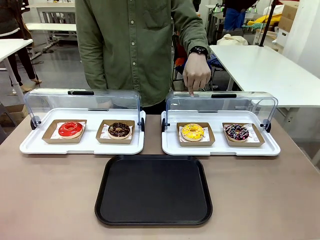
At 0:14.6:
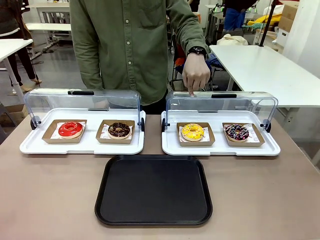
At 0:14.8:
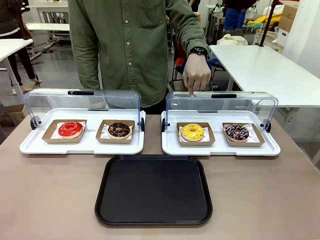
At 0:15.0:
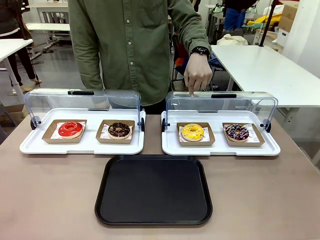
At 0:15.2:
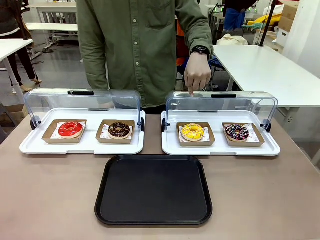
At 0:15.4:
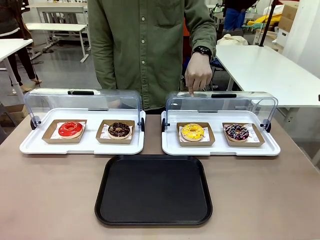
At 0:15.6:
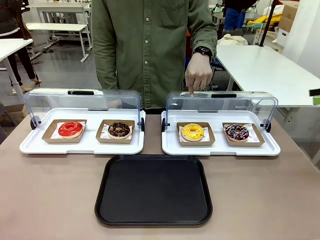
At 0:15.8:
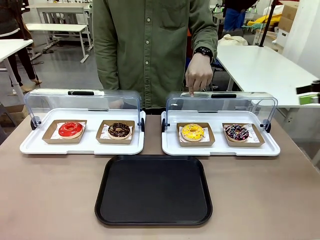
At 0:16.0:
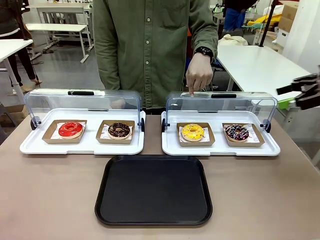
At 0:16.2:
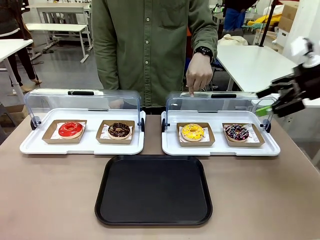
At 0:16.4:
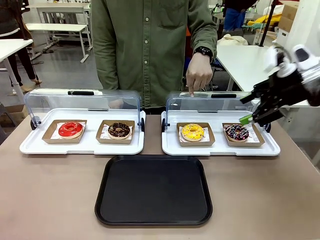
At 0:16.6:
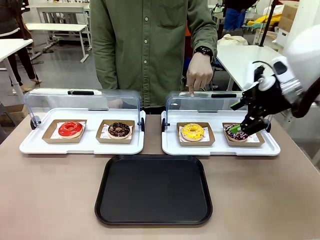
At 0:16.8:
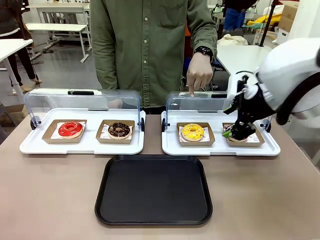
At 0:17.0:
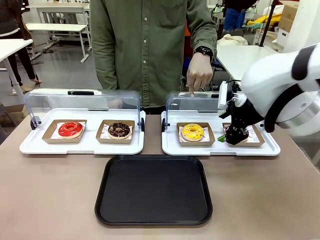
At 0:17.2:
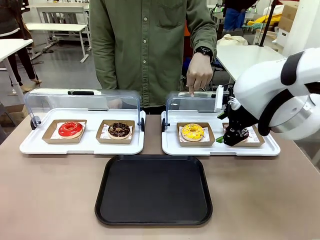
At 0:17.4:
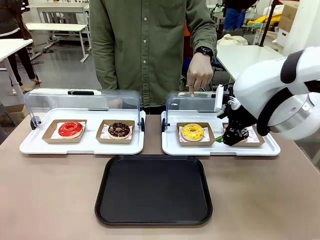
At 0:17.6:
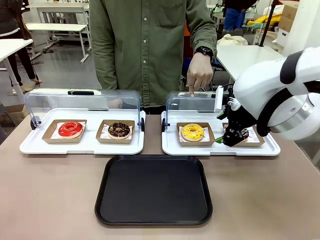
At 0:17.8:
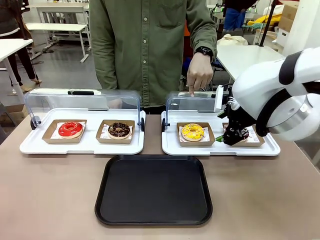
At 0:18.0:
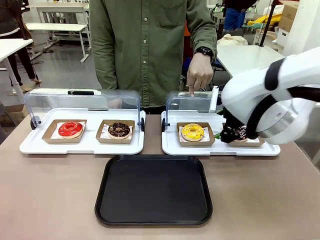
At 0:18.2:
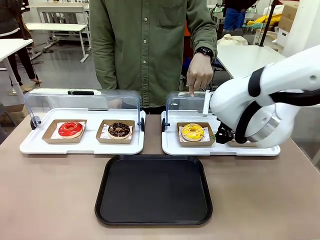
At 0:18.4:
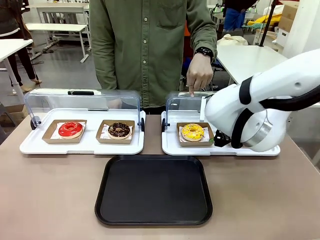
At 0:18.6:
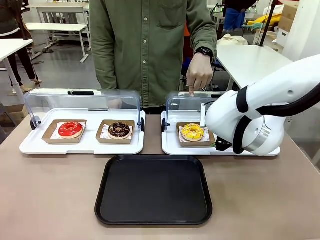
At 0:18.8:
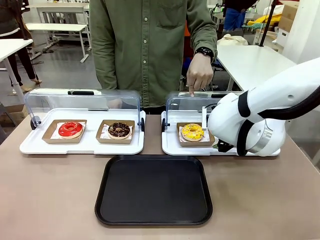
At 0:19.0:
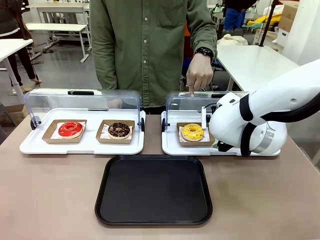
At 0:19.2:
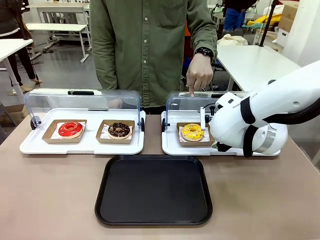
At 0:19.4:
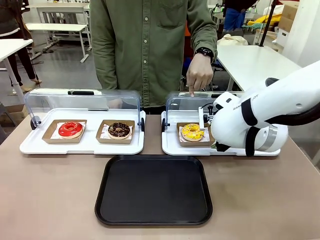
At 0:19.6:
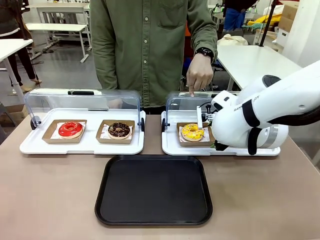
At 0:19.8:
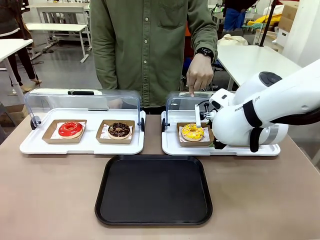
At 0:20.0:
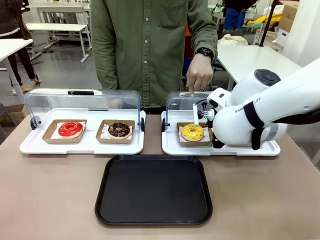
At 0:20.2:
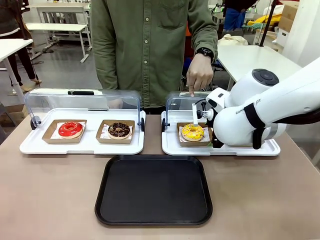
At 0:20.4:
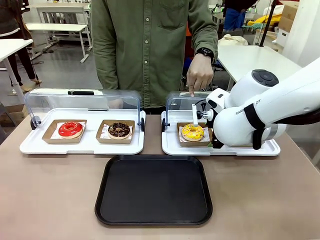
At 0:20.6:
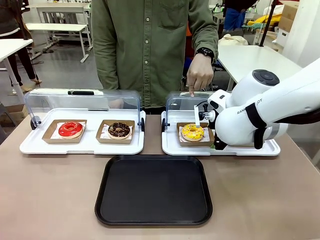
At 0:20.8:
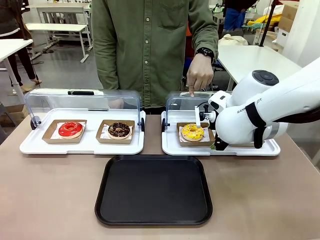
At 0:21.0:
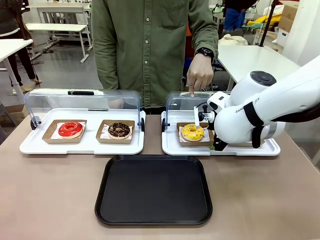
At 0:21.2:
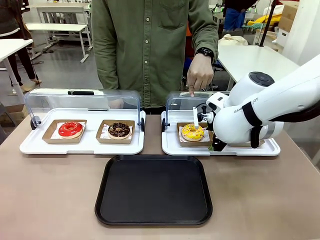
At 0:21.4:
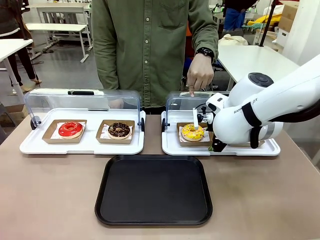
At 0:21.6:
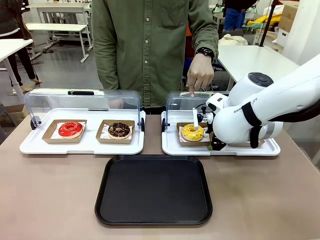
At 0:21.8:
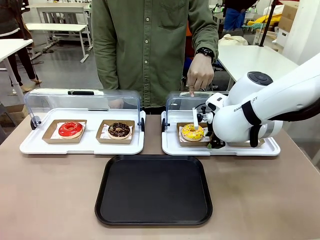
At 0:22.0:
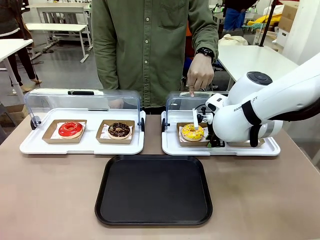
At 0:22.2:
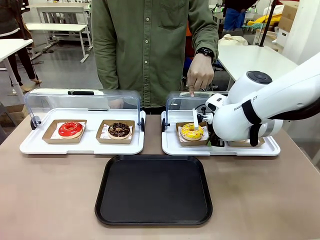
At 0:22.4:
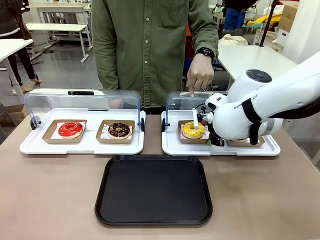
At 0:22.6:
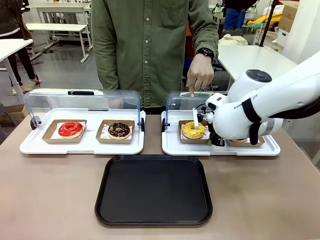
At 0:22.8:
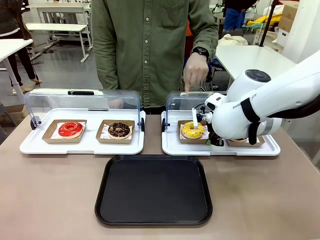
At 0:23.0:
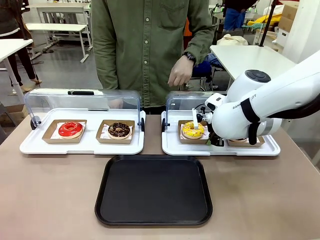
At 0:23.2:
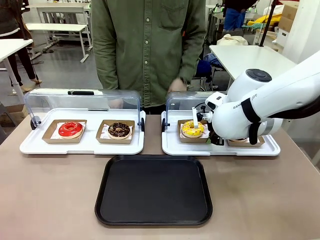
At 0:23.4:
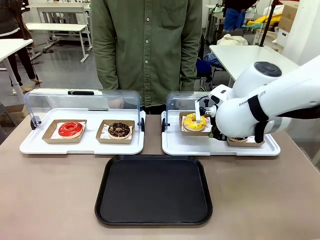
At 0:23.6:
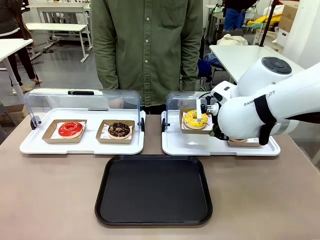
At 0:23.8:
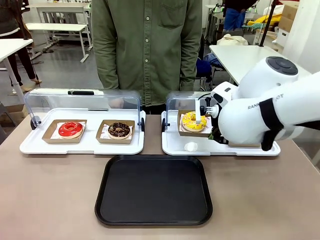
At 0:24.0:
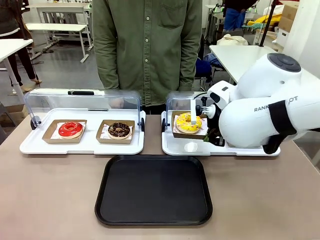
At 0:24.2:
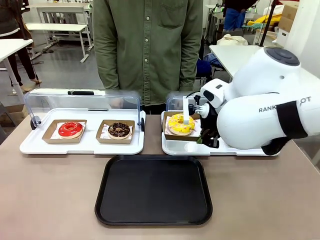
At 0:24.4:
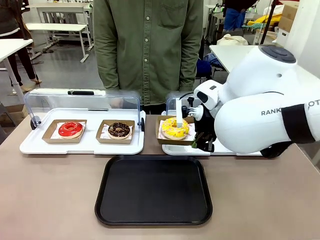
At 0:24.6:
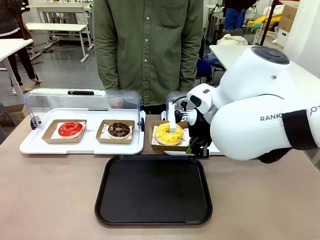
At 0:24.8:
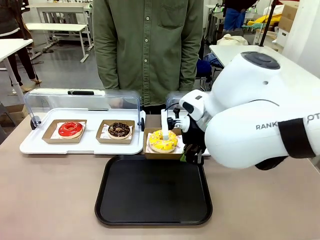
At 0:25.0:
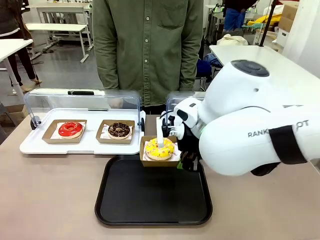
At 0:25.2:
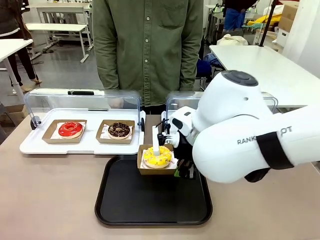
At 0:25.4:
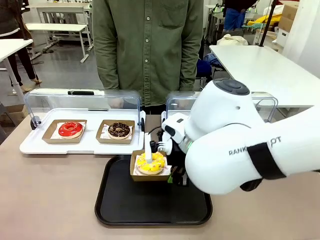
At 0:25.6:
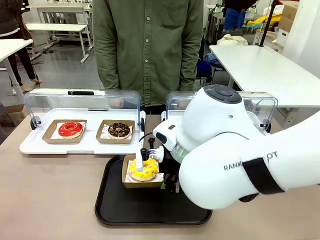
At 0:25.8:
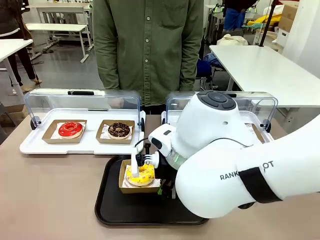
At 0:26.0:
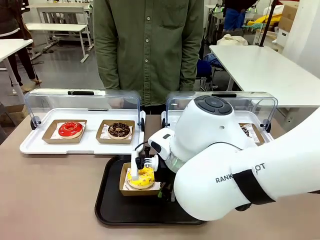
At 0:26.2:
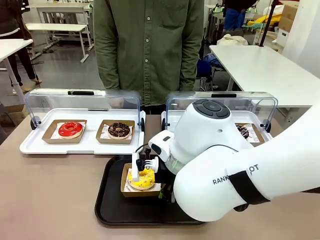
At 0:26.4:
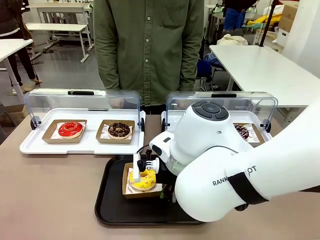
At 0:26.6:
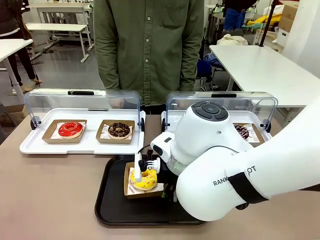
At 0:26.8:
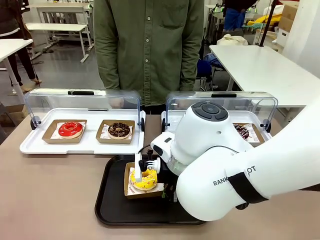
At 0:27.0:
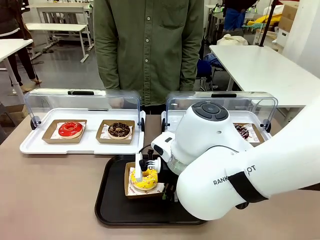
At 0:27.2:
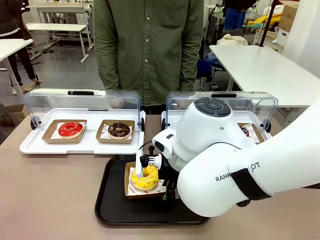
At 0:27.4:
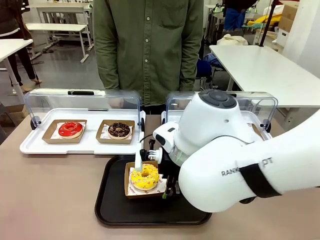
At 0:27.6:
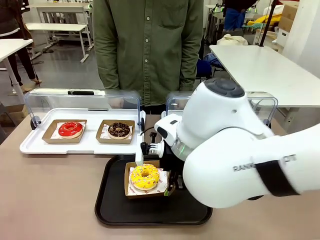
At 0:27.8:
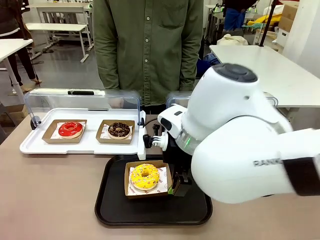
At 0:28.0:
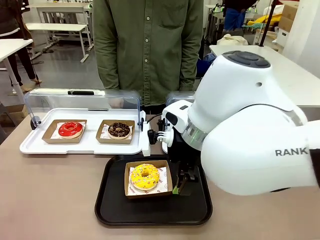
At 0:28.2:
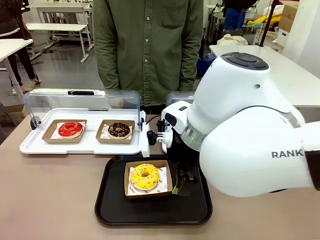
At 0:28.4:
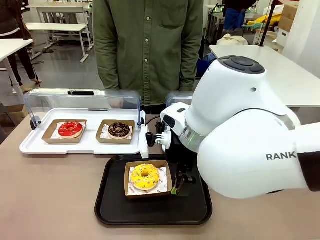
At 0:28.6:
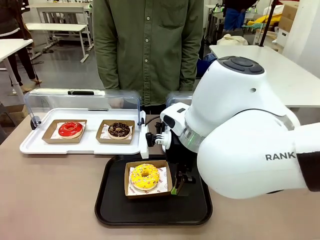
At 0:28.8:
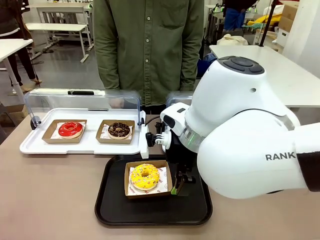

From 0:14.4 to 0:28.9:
Task: Move the third donut from the left to the tray.
Robot: Pick up the Paper togo box containing the Donut indicated by the person and place it on the Handle tray.
Person: Points to the third donut from the left from the robot’s perspective.
